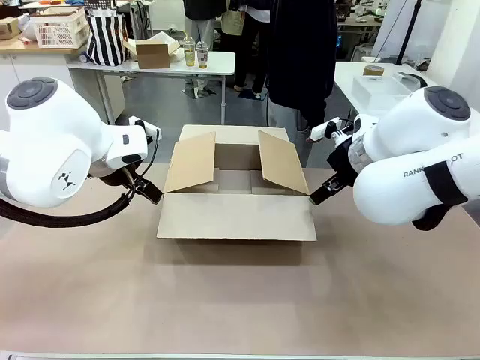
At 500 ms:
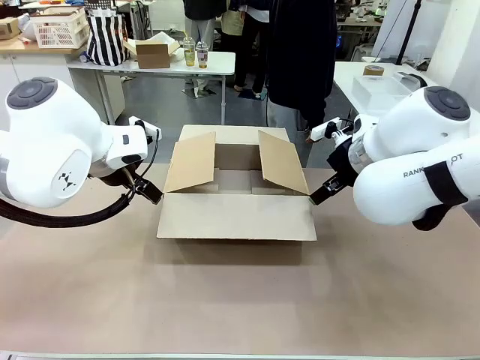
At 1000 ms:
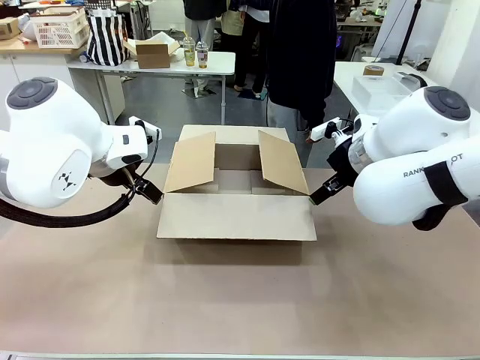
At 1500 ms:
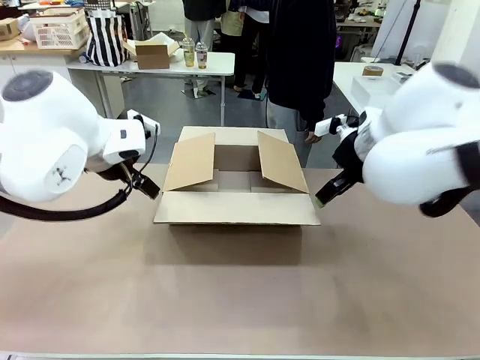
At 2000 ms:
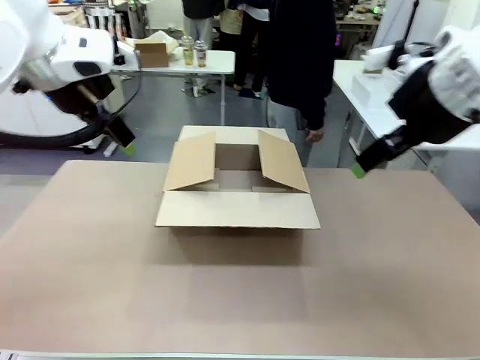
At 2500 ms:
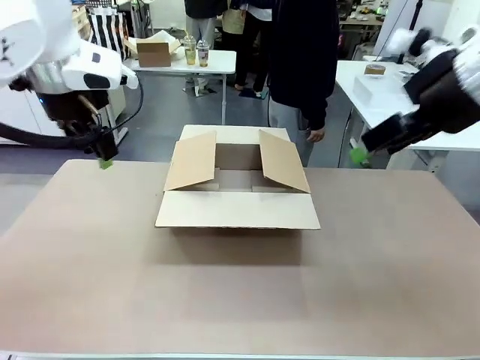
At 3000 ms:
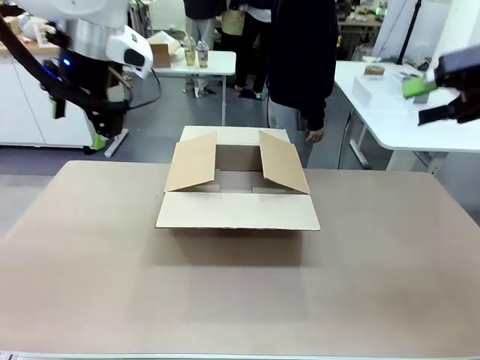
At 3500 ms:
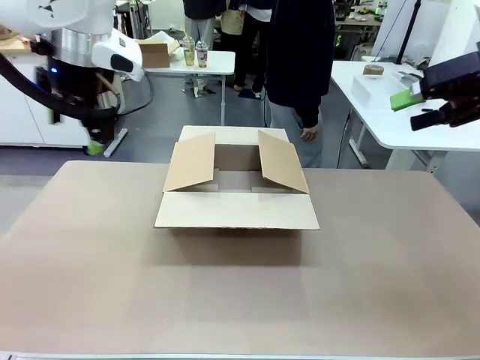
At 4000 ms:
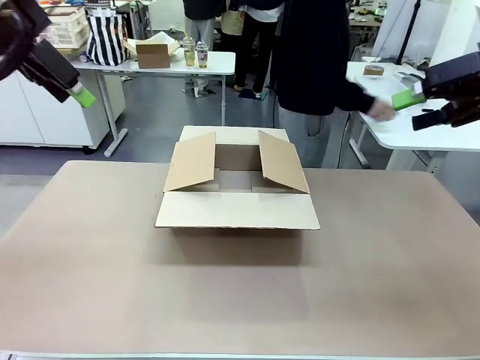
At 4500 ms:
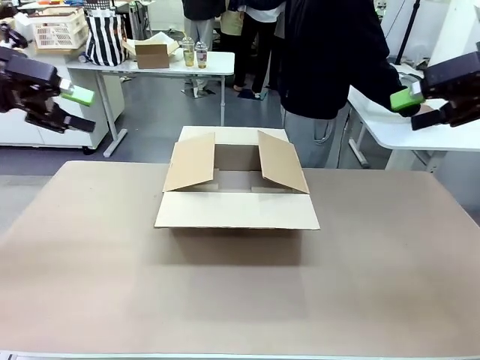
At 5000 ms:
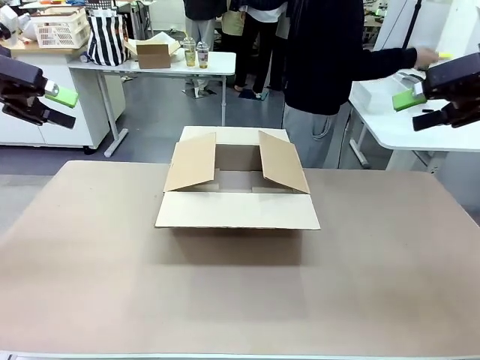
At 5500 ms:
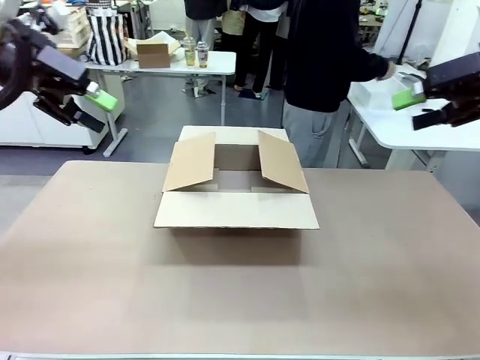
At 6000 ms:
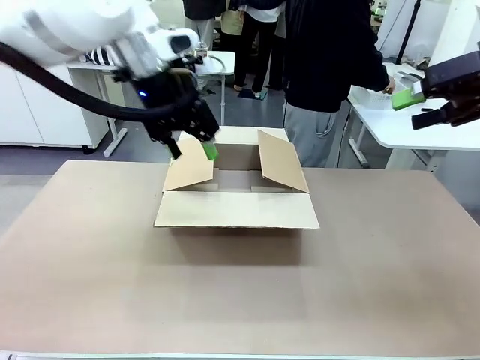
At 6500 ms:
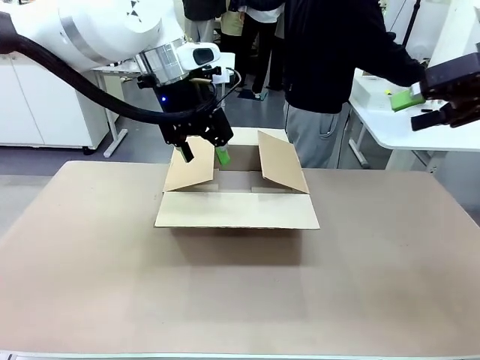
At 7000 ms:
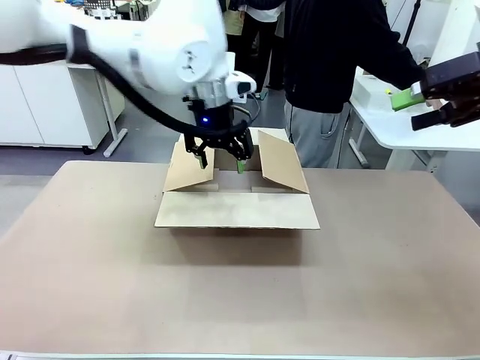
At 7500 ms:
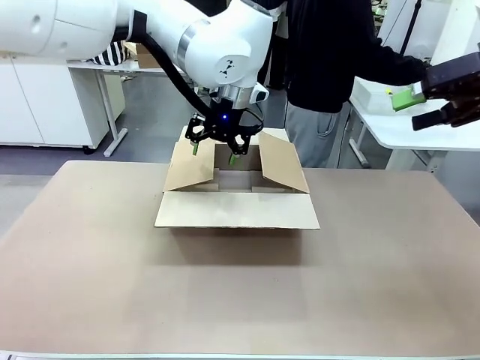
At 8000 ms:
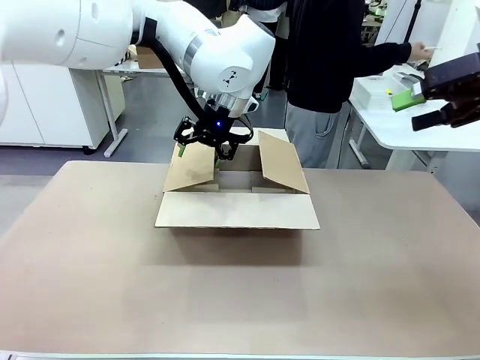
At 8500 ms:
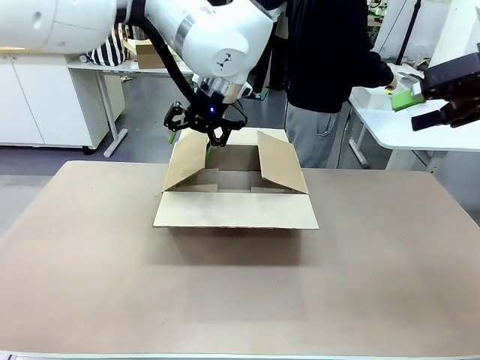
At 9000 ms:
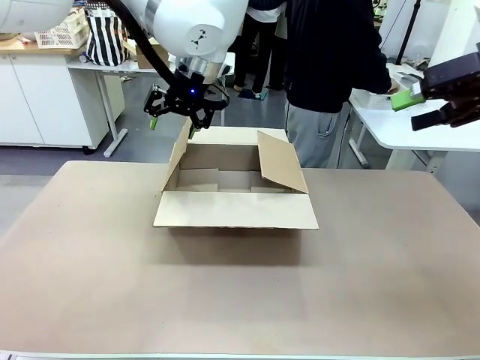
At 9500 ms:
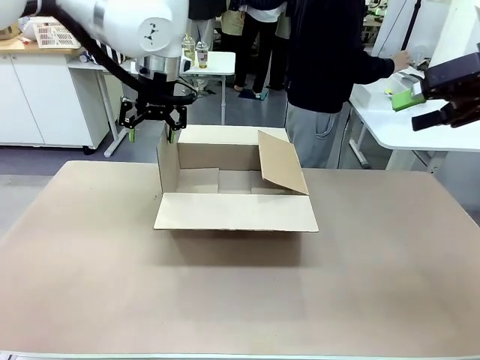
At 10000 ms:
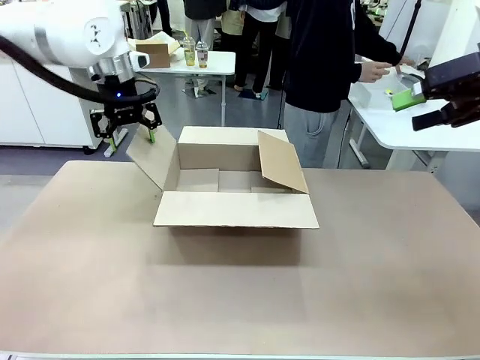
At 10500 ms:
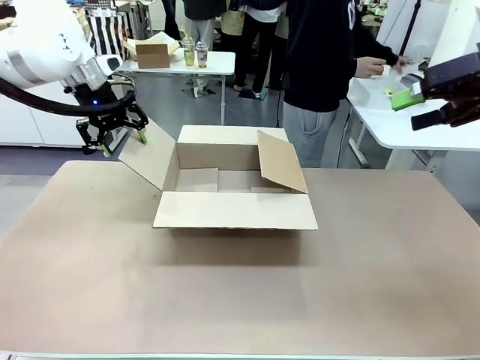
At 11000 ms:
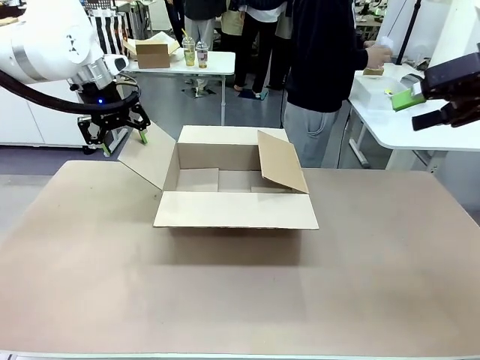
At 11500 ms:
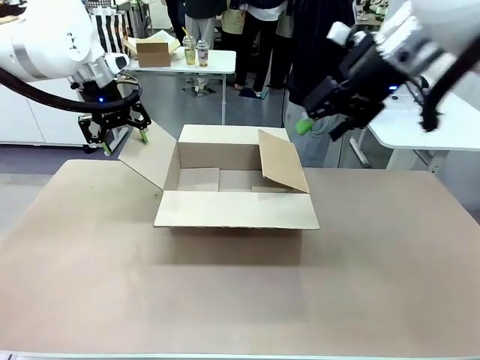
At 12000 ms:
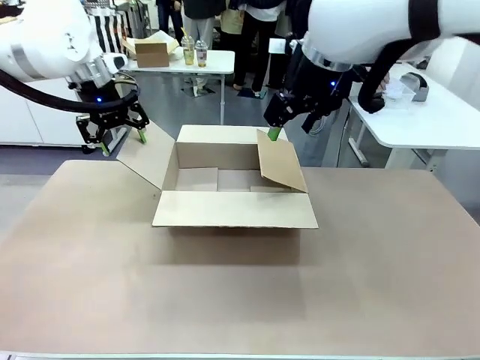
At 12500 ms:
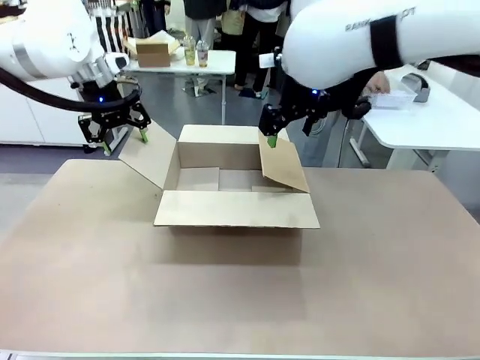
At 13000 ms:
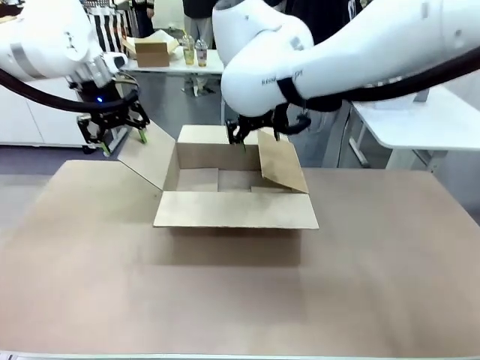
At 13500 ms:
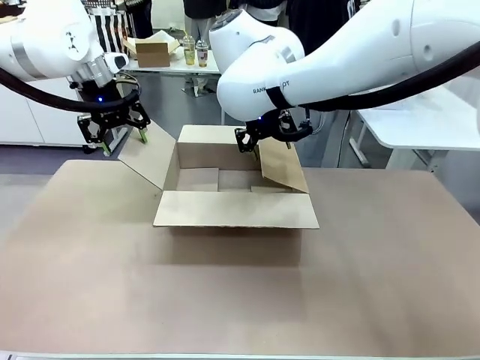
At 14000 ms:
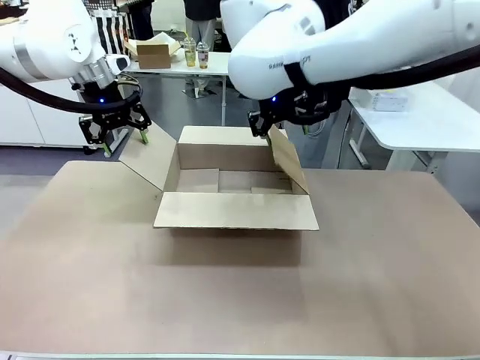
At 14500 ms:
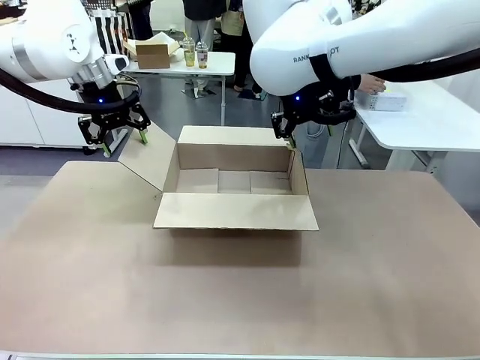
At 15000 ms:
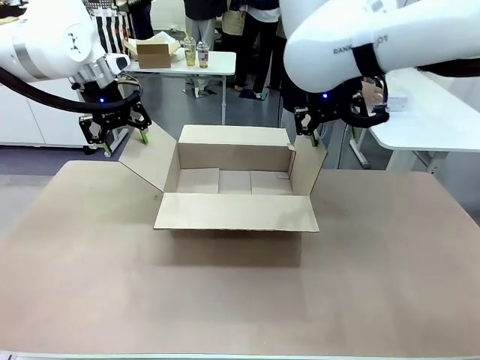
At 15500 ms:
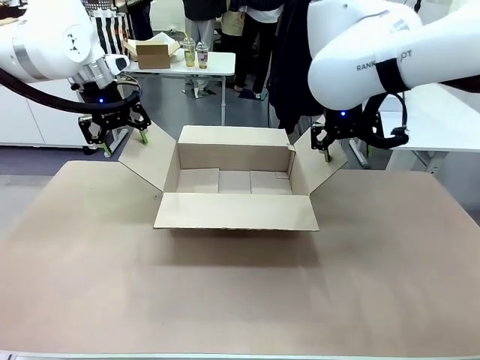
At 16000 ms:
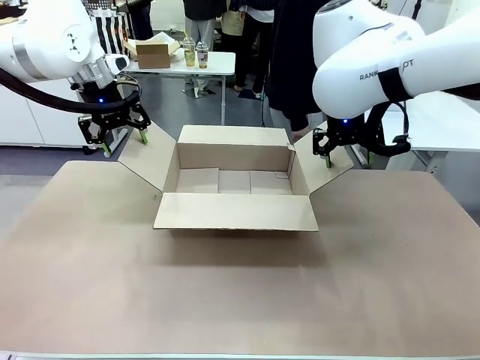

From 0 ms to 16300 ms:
Task: Pack the gift set into the box.
Robot: Place both hands on the side flaps of the Package Box and spread them outward.
Person: The human places all items except the paper tape into the organizing basket.

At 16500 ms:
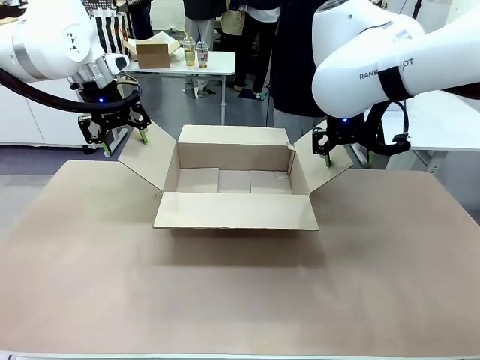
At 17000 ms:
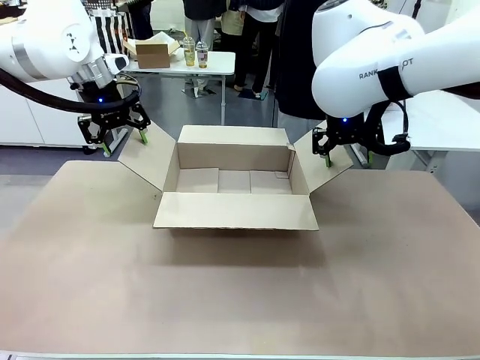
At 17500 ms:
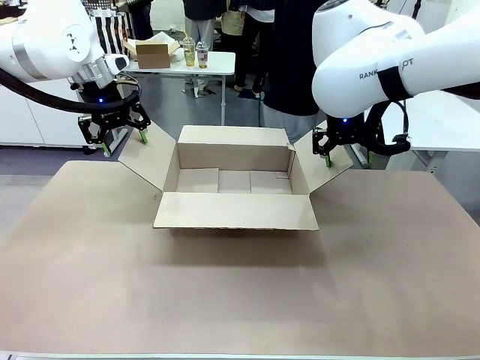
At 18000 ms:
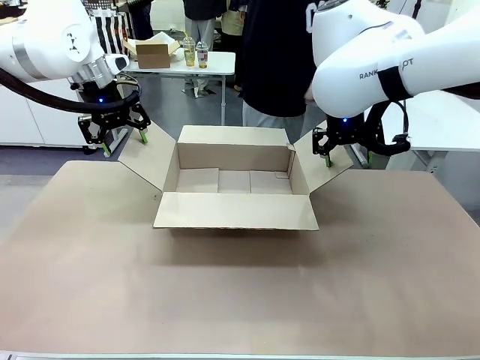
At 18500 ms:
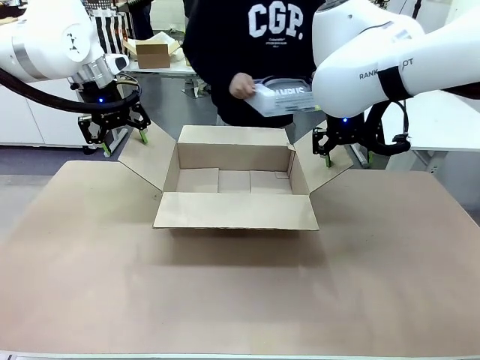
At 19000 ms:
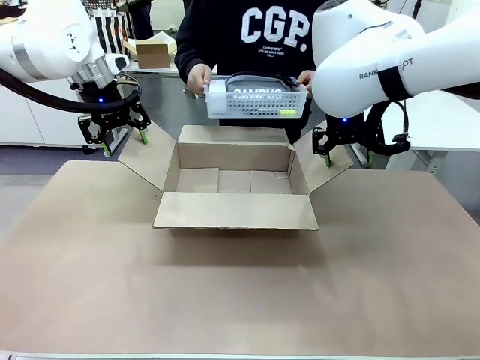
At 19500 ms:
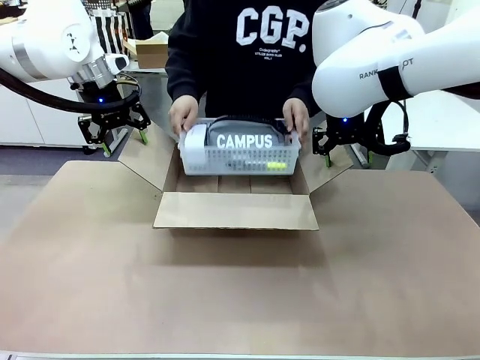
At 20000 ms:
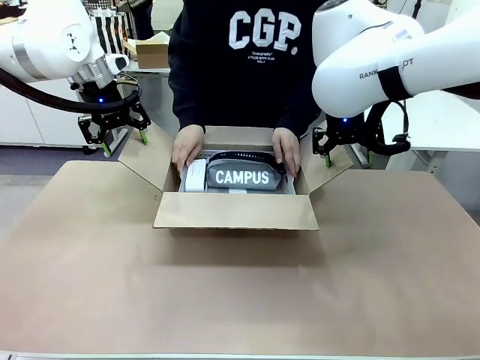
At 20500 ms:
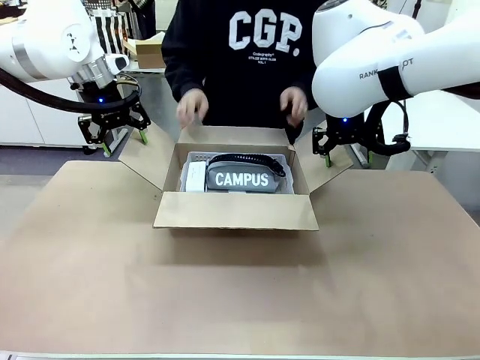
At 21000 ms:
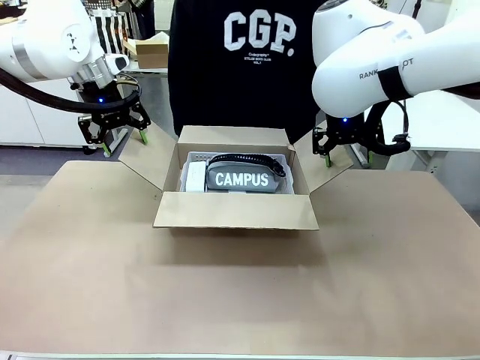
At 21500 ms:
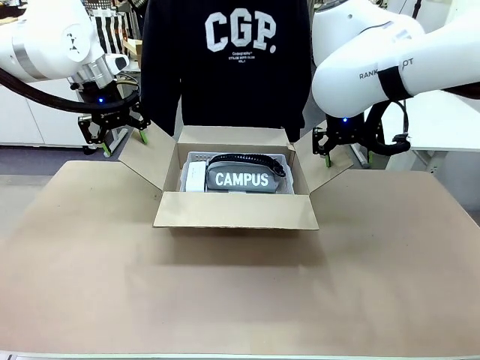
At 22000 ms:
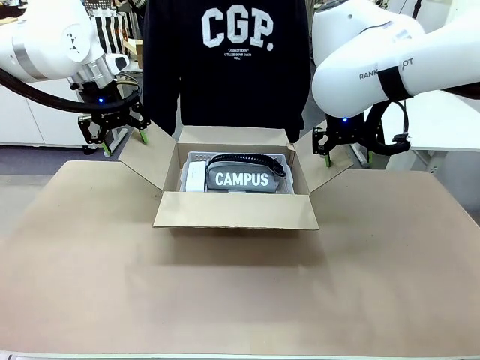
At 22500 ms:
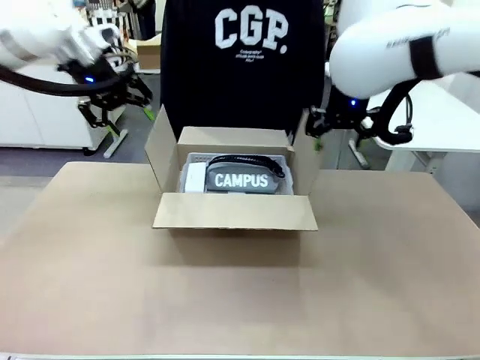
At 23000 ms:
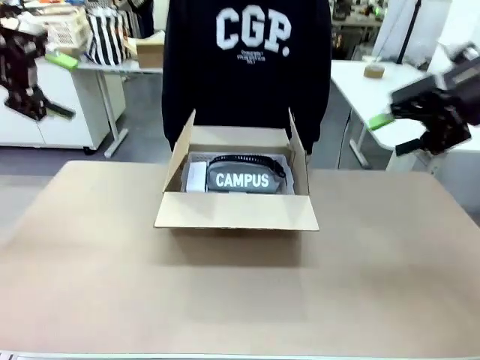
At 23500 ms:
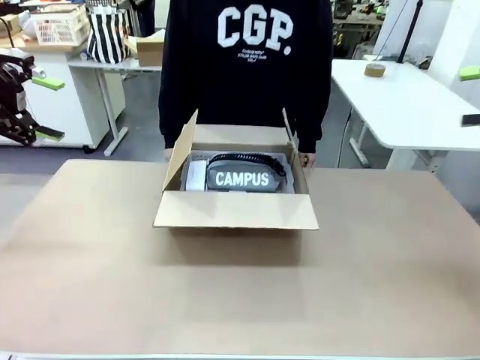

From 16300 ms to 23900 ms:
Robot: Lift both hands away from the flaps of the Package Box.
Person: The human picks up the organizing basket and places the organizing basket into the package box on the robot table.
